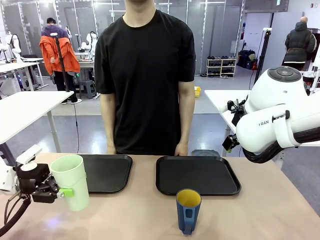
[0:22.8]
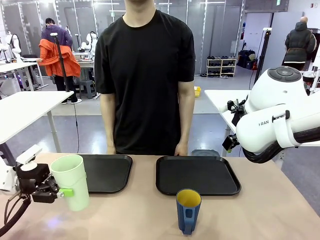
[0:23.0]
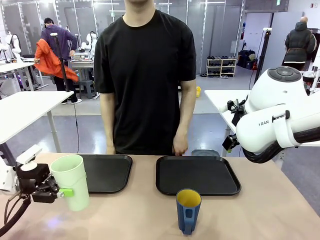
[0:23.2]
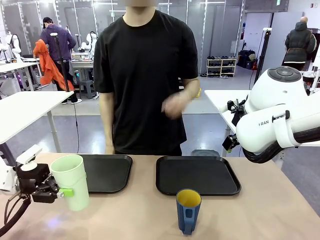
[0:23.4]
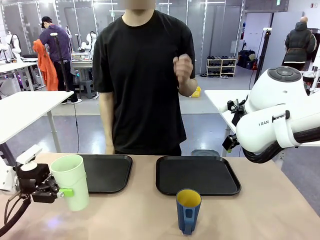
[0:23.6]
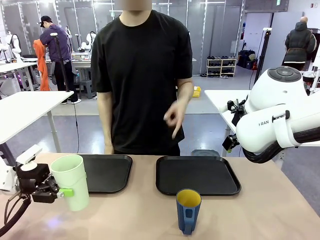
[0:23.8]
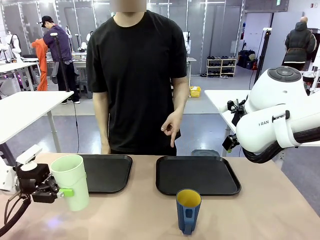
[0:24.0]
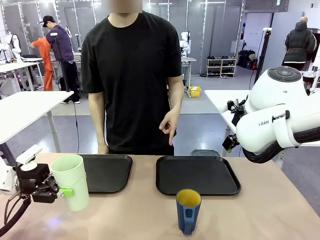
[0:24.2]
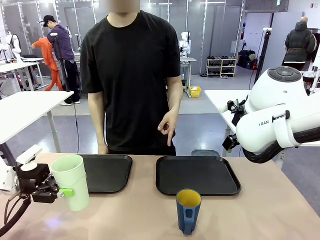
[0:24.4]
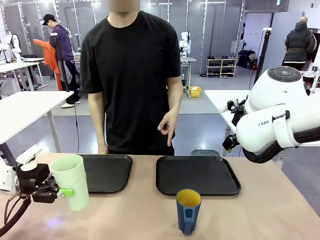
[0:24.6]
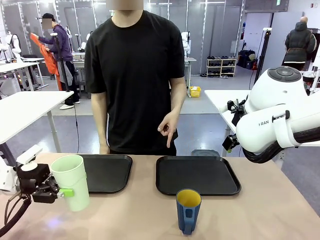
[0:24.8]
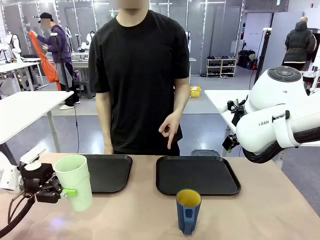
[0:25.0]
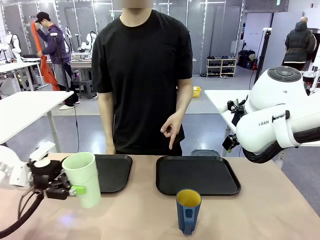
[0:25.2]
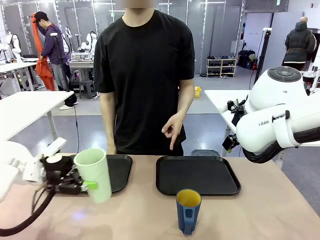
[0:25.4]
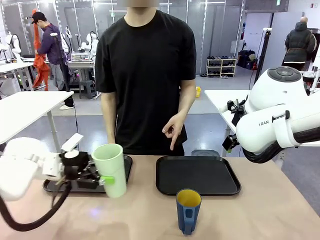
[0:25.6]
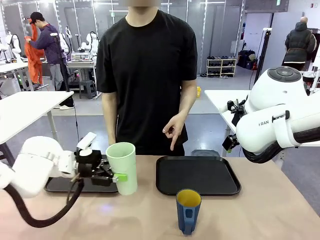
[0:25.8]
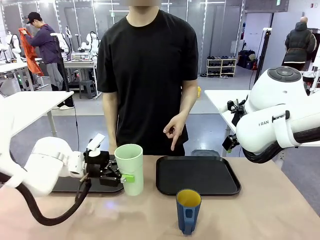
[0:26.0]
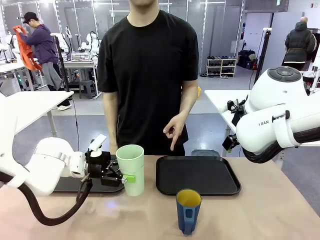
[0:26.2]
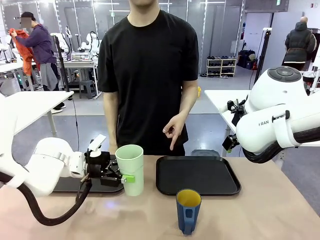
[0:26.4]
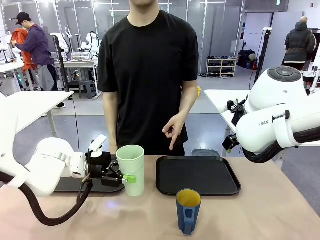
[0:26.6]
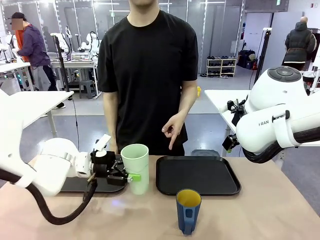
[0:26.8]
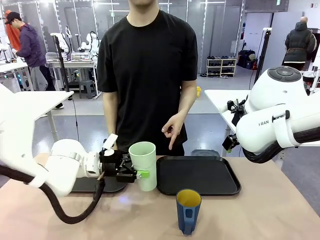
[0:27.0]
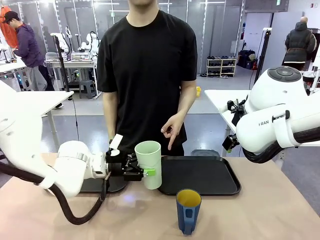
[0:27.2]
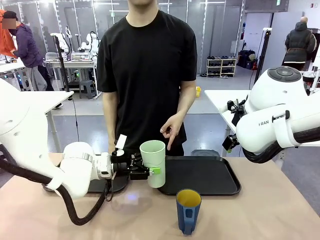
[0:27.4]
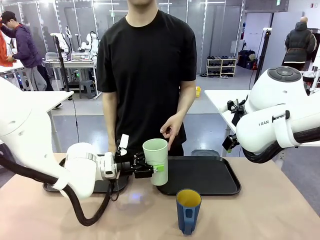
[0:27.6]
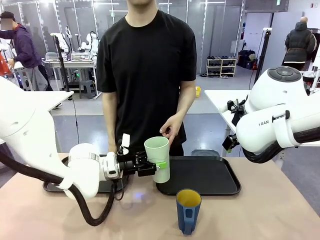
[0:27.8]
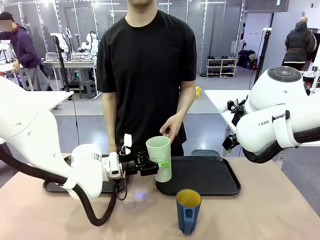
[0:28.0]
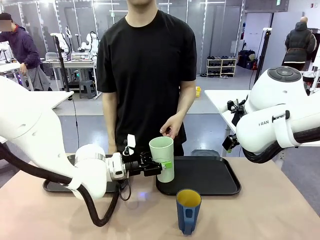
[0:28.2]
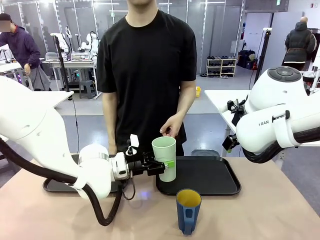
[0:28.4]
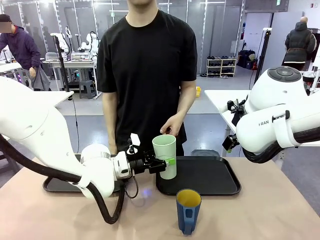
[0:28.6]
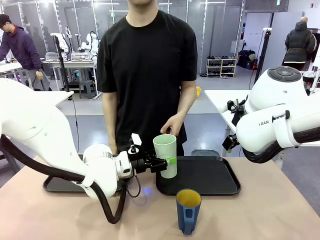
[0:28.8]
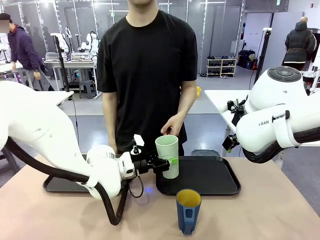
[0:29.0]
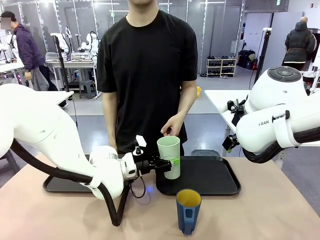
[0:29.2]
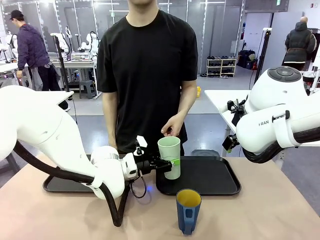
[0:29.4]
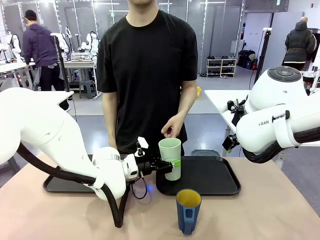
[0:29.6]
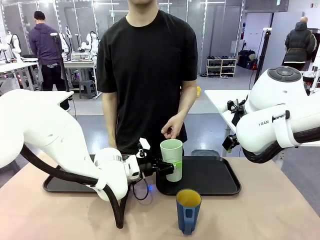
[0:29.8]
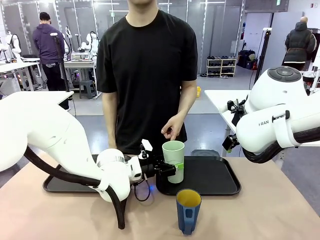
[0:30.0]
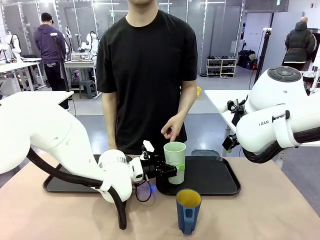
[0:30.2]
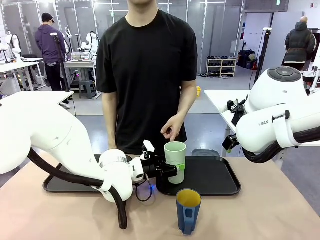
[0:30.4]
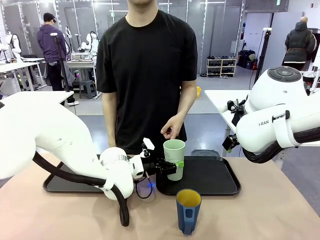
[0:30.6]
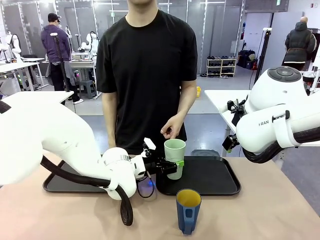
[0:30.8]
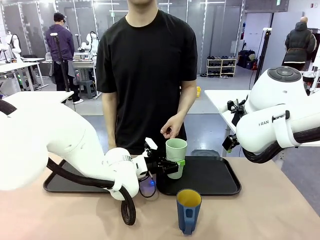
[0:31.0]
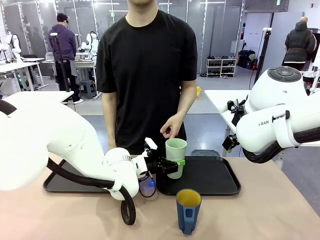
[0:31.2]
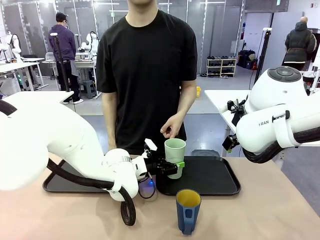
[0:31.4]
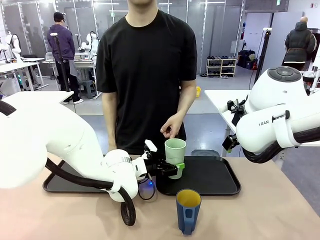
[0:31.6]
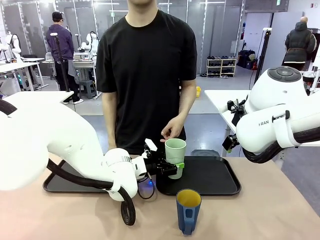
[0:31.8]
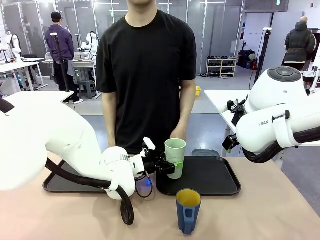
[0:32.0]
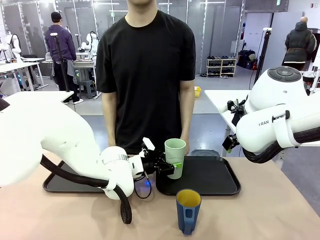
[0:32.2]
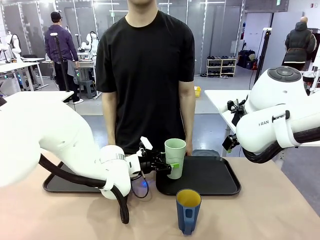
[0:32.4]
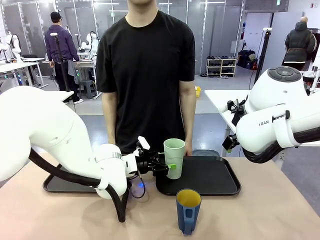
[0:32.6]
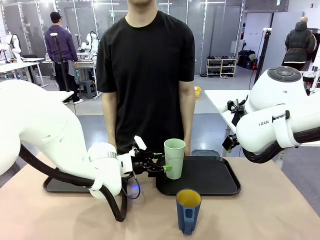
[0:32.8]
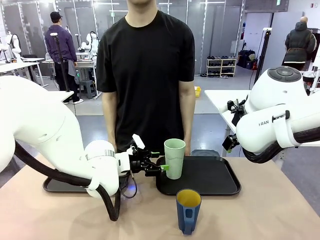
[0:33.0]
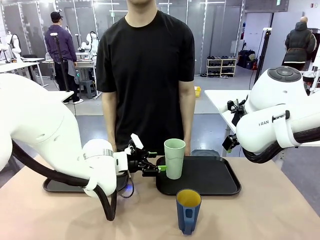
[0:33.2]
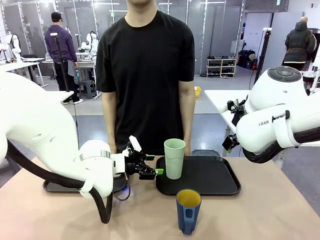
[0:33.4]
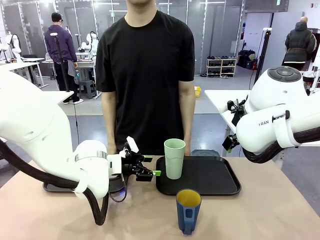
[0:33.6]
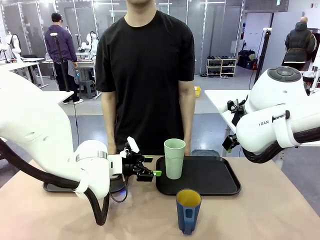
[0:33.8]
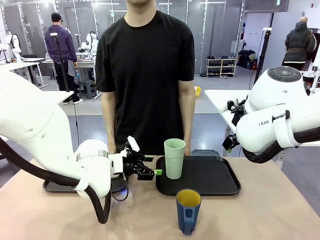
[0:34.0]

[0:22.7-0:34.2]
Task: Sort and store the cups by type.
Robot: Place the picked Reusable plastic cup into the Flat Tray indicated by the person.

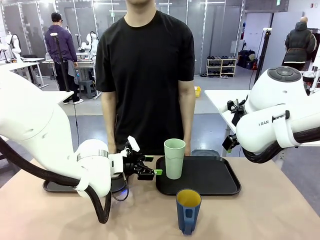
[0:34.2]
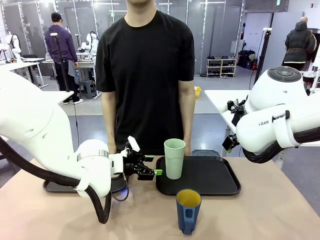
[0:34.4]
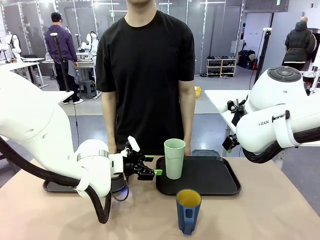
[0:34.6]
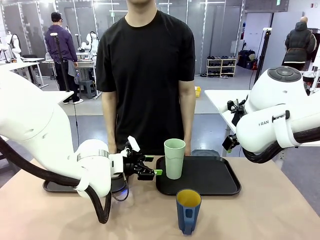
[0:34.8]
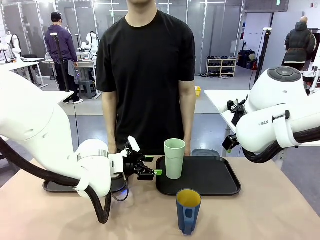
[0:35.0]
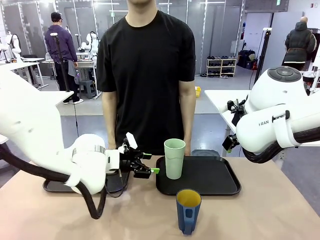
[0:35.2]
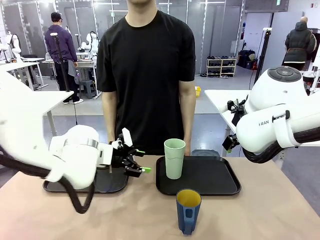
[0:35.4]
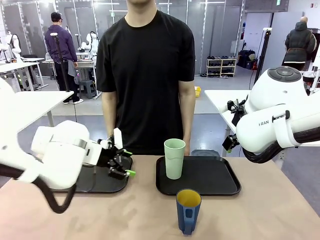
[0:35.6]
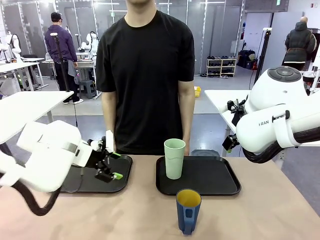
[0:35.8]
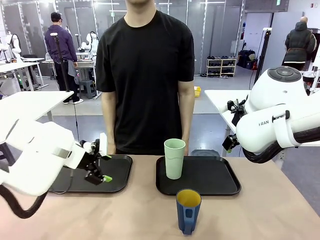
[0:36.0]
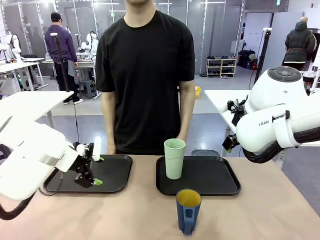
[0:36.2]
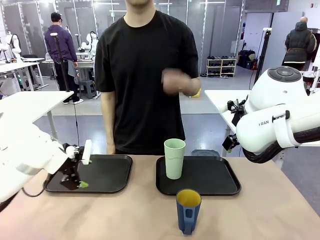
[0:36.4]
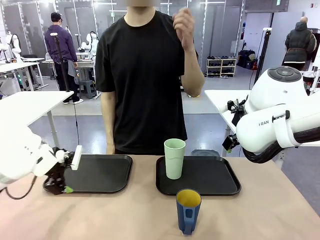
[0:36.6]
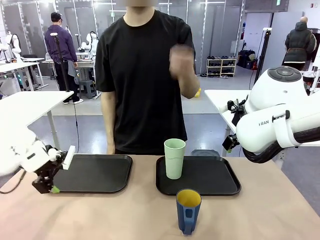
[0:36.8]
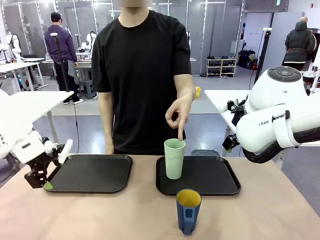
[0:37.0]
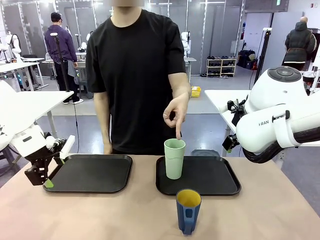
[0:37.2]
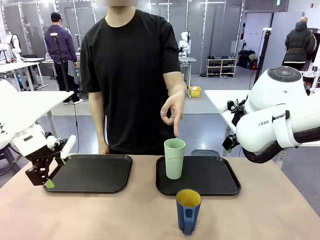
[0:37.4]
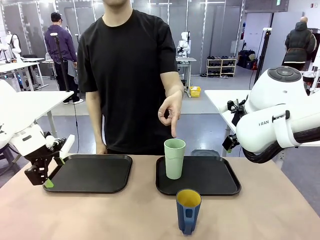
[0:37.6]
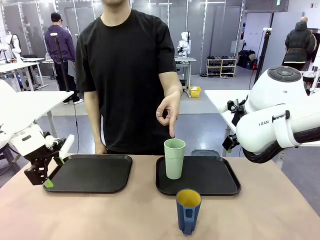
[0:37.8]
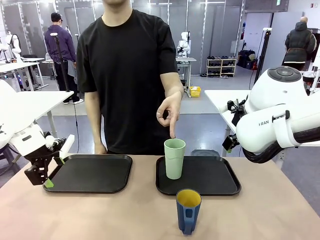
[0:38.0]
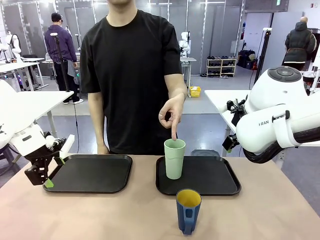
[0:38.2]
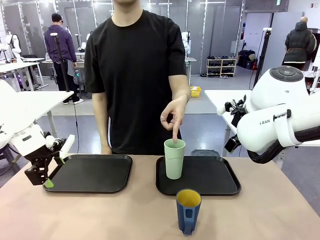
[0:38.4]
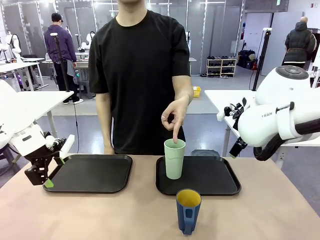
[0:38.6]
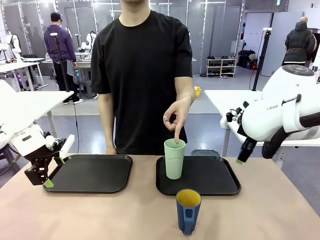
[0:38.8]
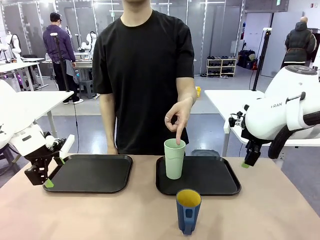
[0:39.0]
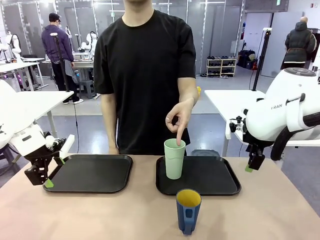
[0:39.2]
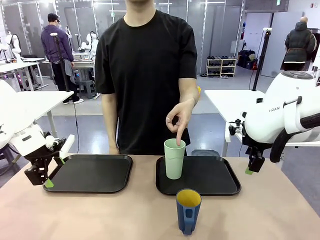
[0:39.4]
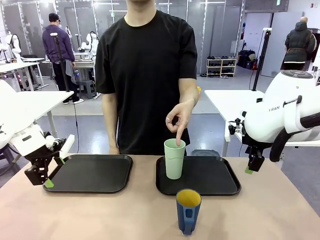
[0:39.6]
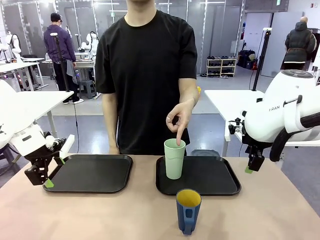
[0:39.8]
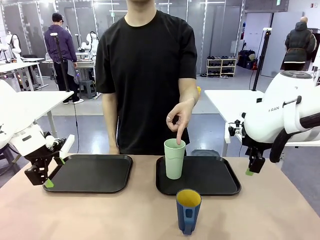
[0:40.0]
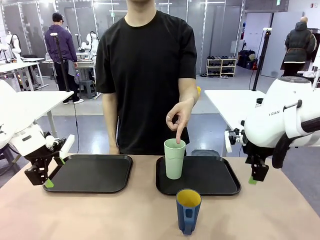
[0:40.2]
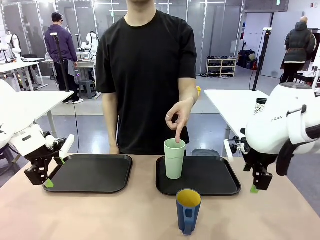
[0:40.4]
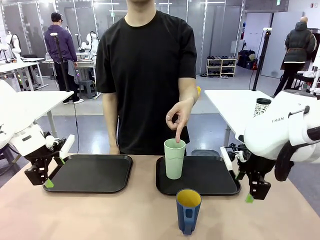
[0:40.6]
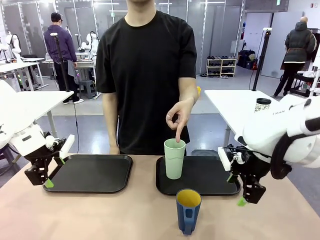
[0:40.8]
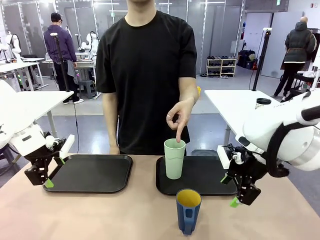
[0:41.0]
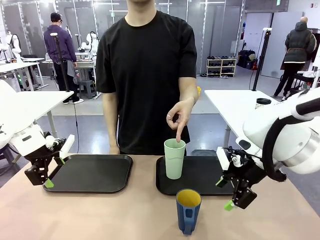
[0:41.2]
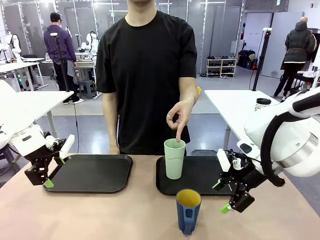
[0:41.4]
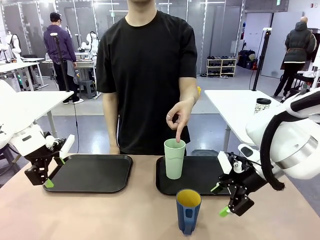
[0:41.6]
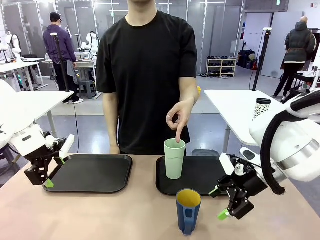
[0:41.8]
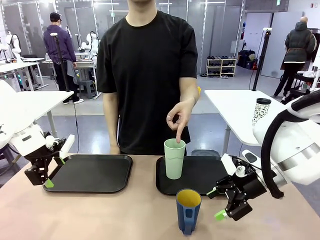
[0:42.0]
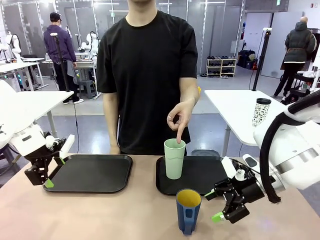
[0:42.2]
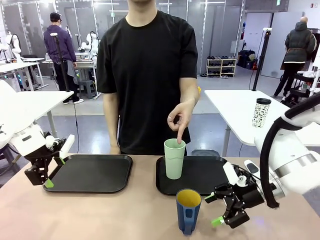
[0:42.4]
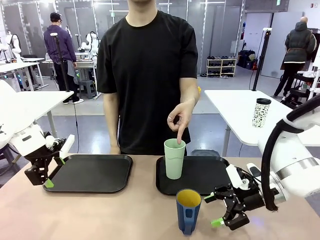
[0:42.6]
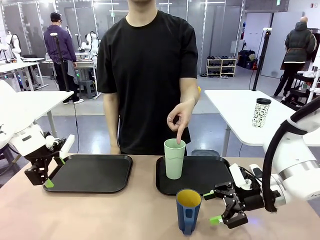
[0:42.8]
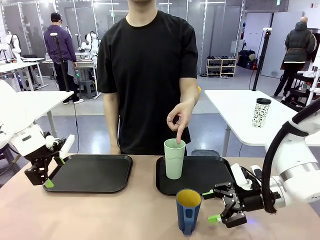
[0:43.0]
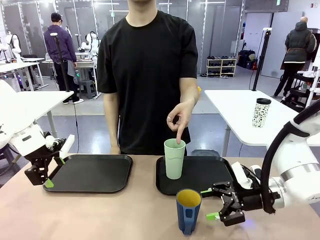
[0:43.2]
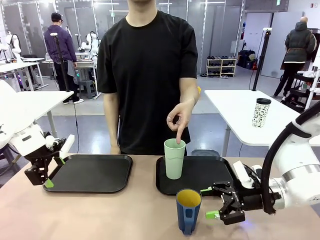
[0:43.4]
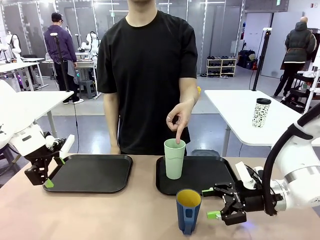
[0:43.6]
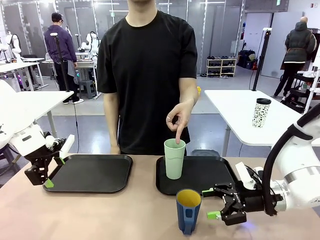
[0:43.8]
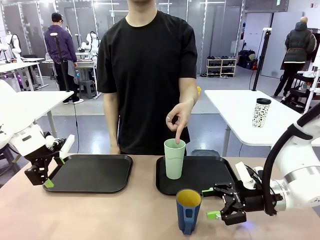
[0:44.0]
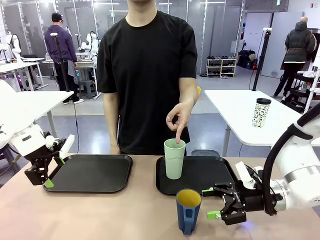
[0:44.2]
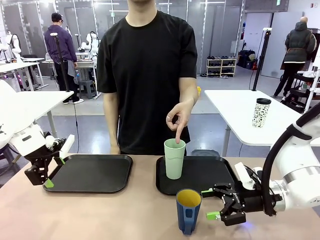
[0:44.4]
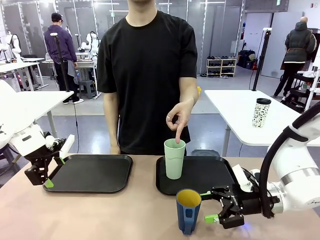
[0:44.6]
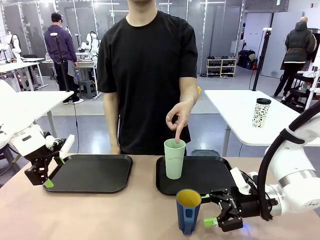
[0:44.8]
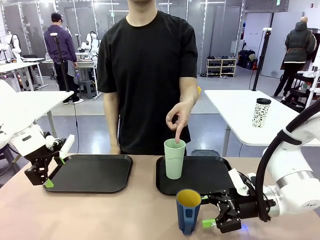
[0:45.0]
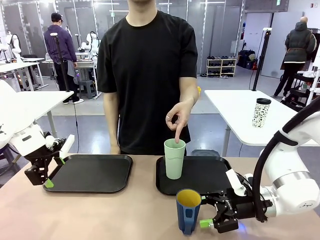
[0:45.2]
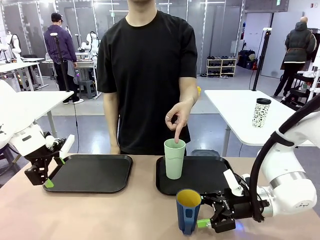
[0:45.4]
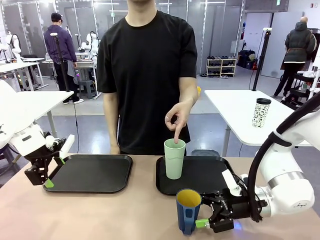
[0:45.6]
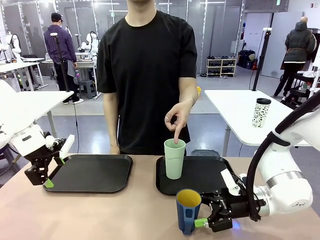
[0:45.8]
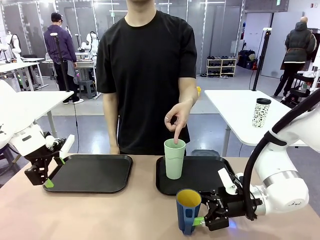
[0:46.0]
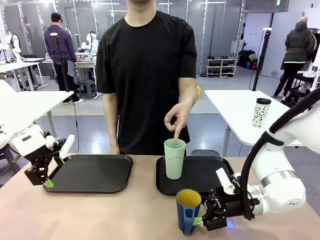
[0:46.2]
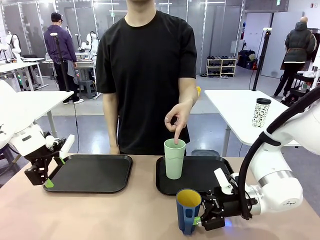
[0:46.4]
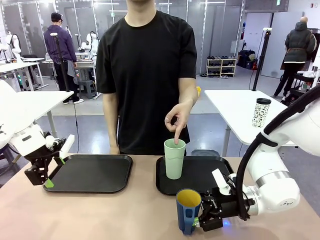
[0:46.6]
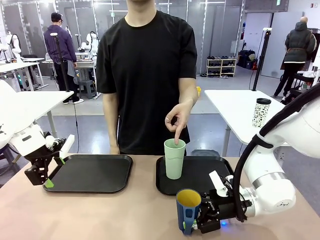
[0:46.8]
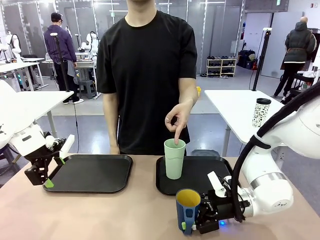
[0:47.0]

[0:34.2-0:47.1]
Robot: Pick up the Handle plastic cup and place it into the empty Flat Tray.
